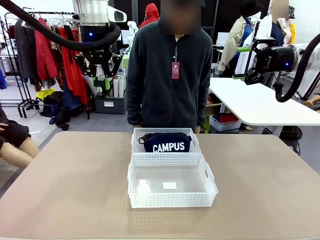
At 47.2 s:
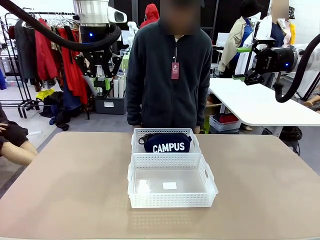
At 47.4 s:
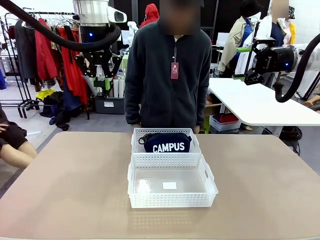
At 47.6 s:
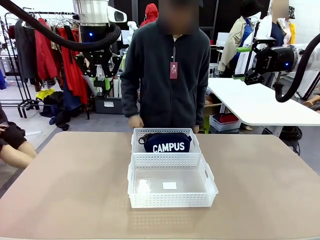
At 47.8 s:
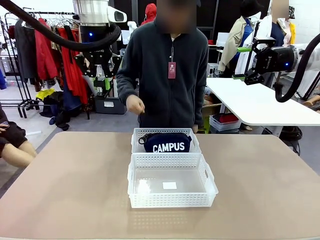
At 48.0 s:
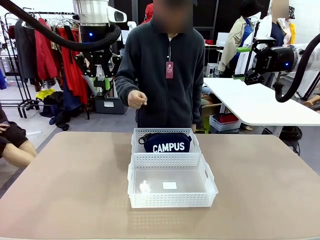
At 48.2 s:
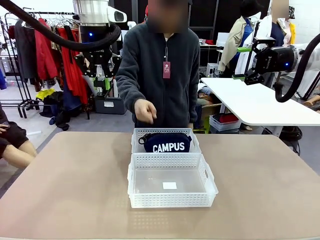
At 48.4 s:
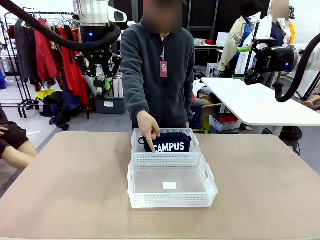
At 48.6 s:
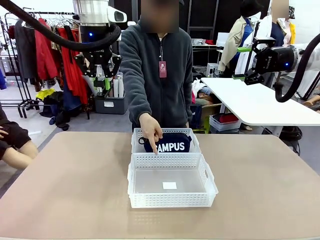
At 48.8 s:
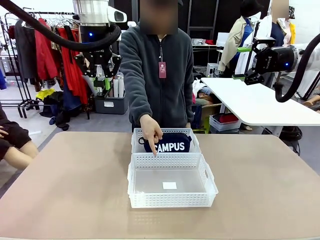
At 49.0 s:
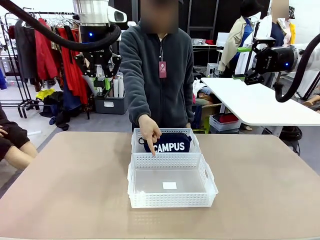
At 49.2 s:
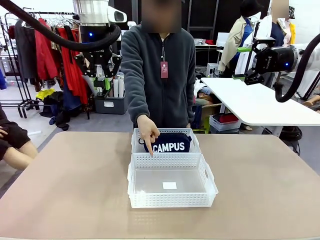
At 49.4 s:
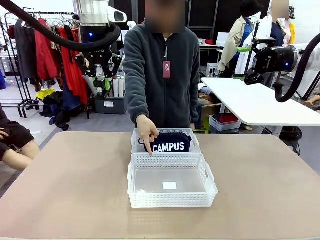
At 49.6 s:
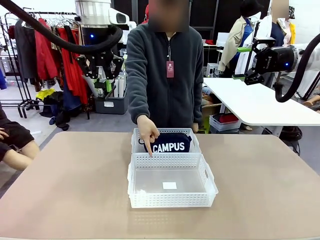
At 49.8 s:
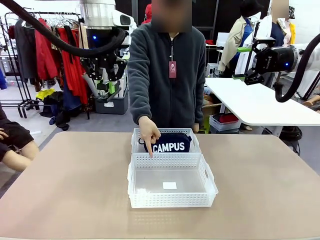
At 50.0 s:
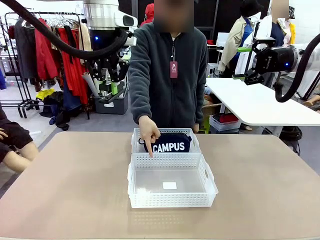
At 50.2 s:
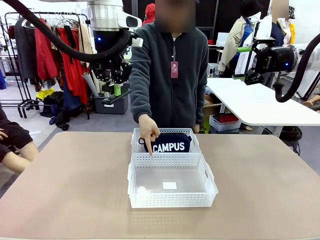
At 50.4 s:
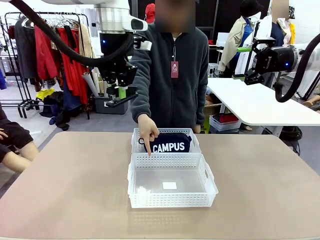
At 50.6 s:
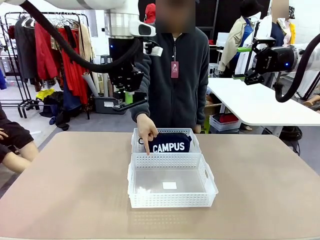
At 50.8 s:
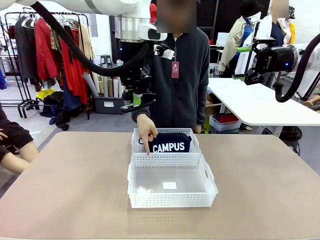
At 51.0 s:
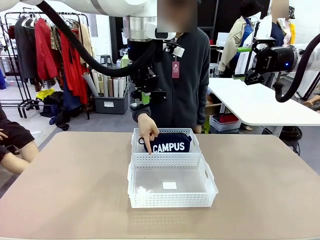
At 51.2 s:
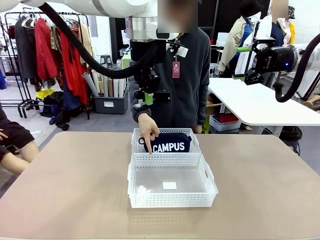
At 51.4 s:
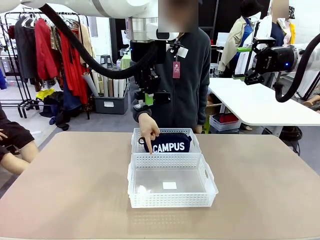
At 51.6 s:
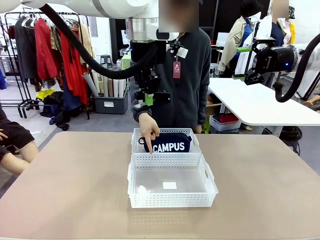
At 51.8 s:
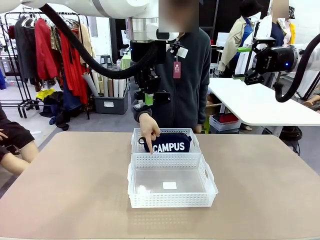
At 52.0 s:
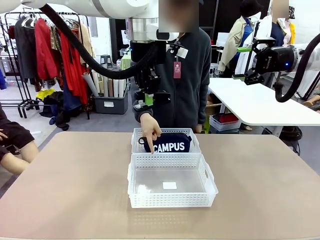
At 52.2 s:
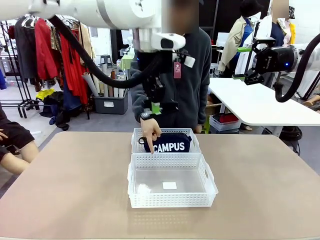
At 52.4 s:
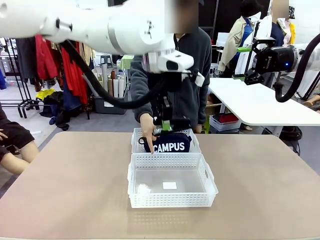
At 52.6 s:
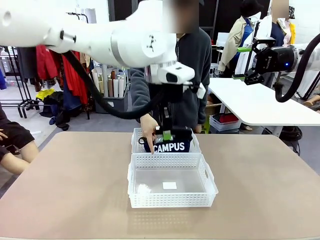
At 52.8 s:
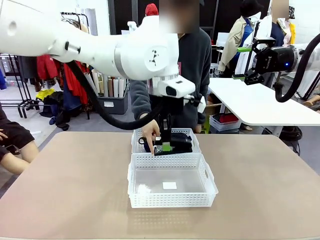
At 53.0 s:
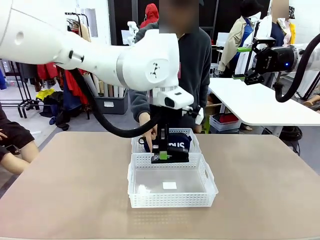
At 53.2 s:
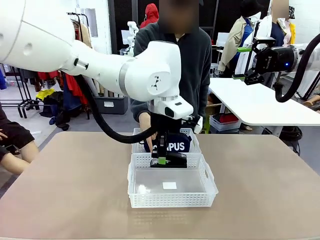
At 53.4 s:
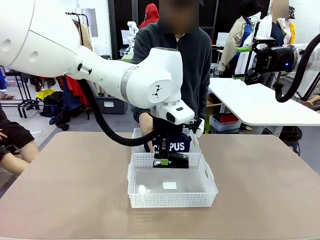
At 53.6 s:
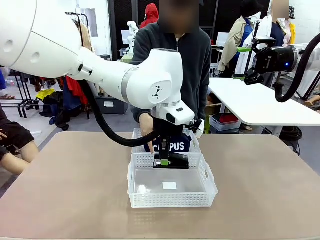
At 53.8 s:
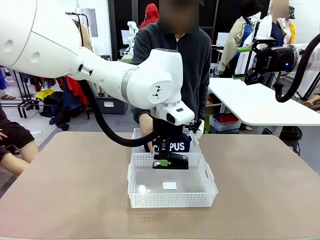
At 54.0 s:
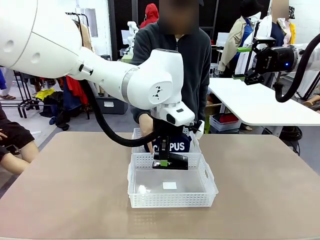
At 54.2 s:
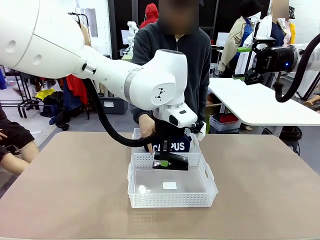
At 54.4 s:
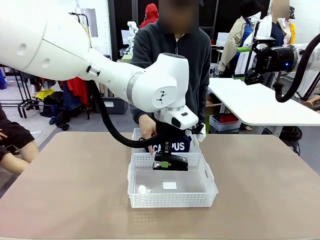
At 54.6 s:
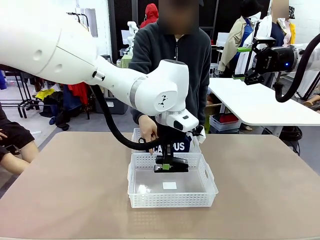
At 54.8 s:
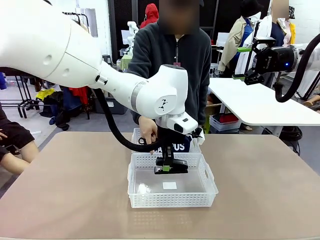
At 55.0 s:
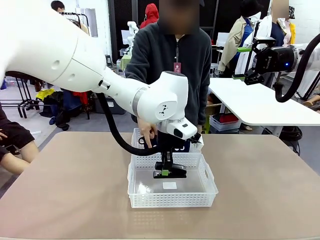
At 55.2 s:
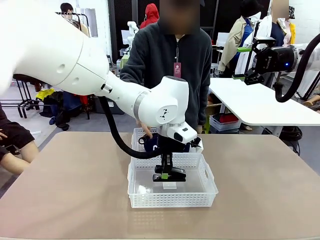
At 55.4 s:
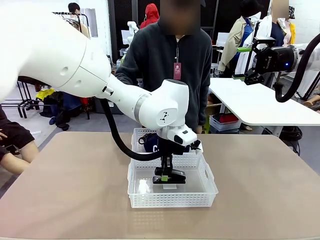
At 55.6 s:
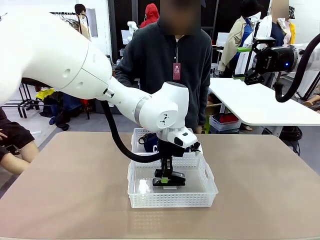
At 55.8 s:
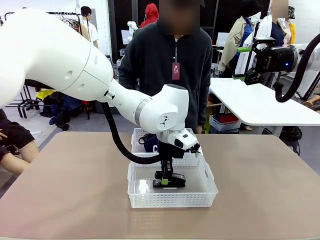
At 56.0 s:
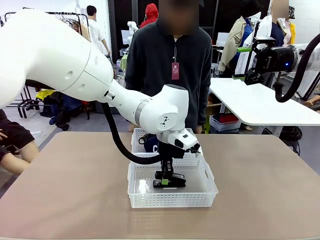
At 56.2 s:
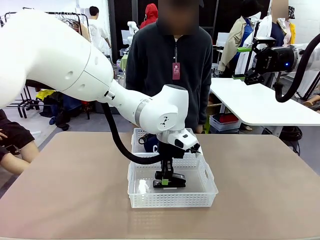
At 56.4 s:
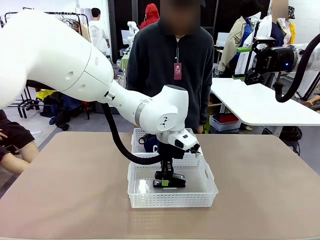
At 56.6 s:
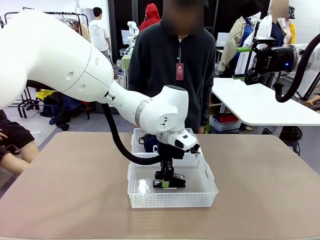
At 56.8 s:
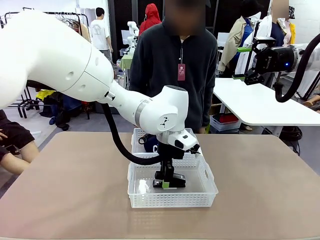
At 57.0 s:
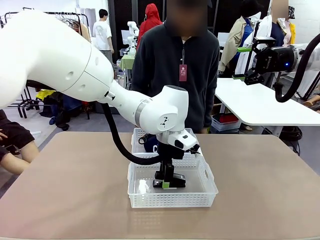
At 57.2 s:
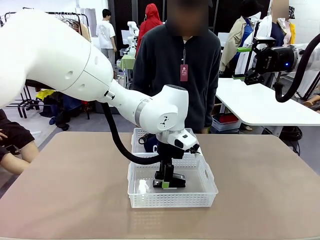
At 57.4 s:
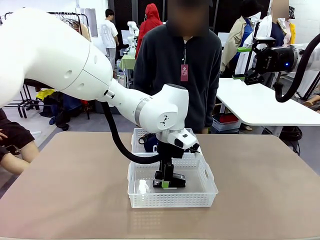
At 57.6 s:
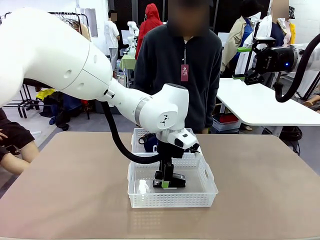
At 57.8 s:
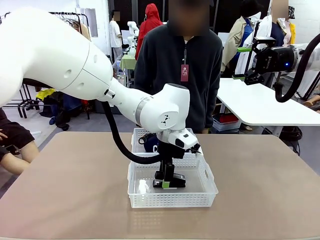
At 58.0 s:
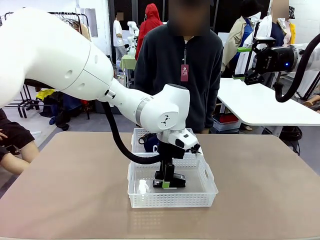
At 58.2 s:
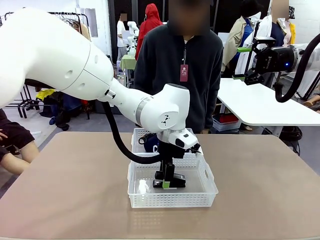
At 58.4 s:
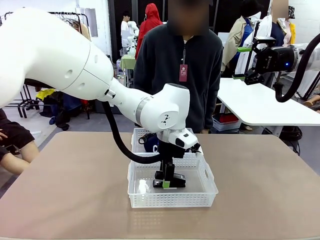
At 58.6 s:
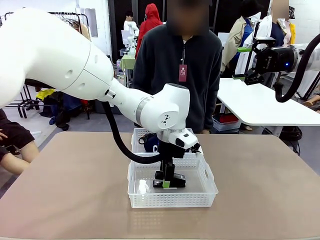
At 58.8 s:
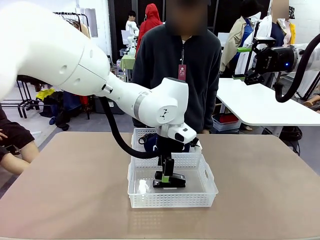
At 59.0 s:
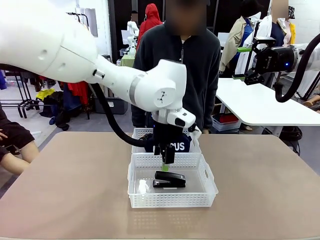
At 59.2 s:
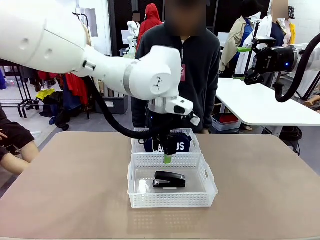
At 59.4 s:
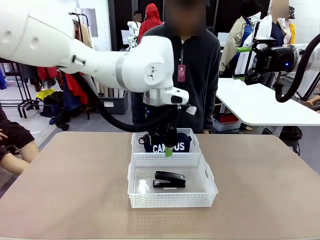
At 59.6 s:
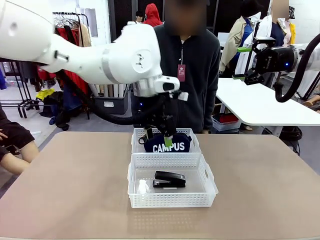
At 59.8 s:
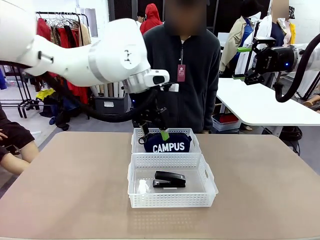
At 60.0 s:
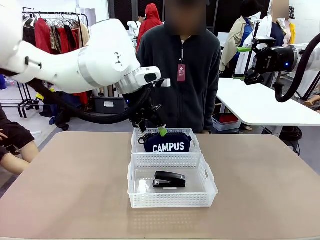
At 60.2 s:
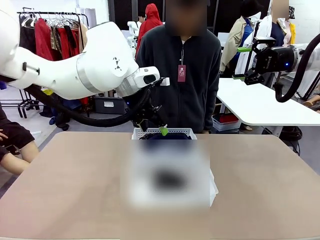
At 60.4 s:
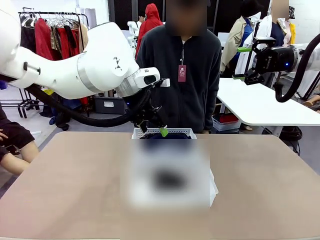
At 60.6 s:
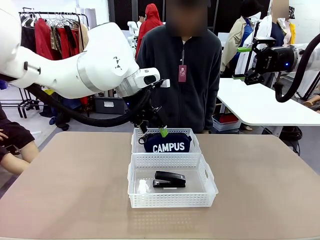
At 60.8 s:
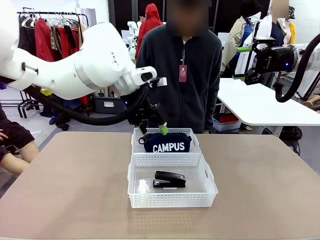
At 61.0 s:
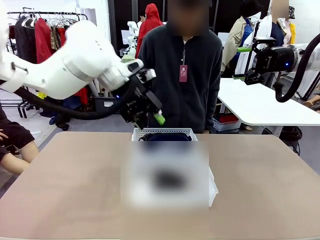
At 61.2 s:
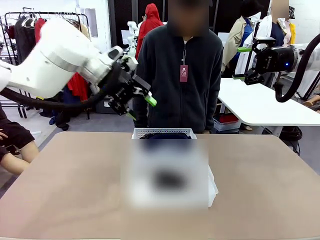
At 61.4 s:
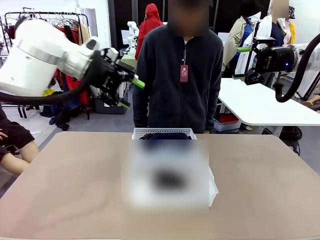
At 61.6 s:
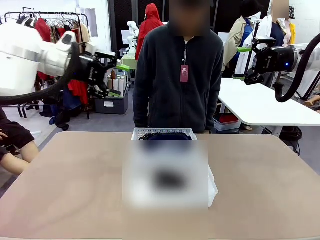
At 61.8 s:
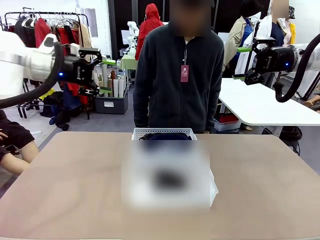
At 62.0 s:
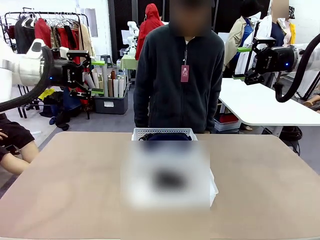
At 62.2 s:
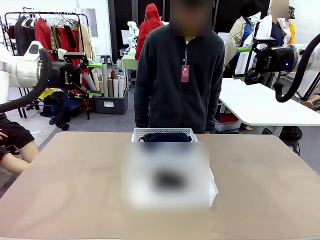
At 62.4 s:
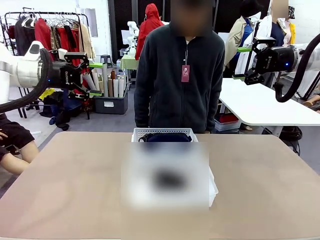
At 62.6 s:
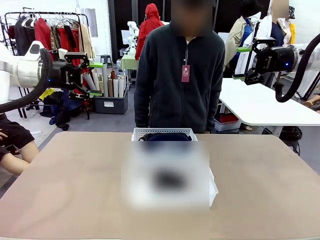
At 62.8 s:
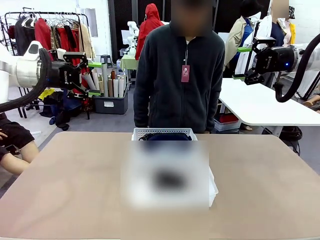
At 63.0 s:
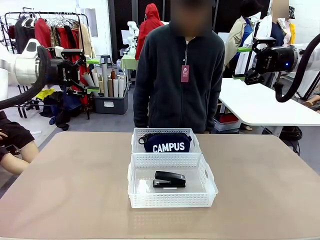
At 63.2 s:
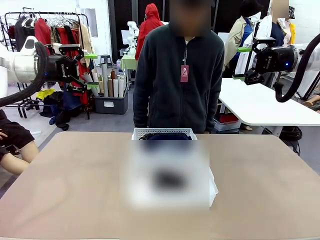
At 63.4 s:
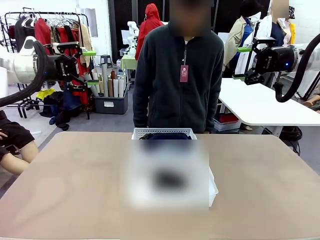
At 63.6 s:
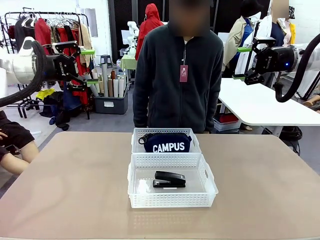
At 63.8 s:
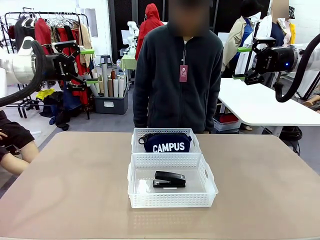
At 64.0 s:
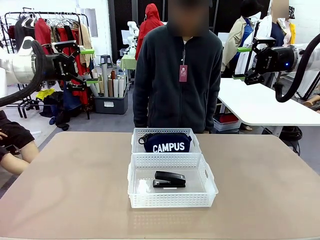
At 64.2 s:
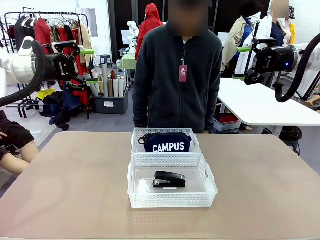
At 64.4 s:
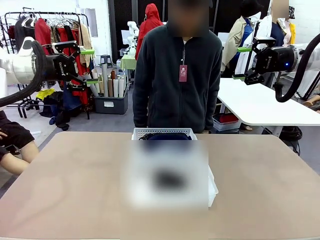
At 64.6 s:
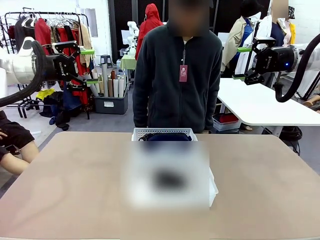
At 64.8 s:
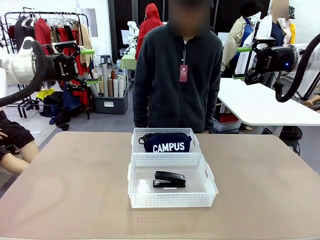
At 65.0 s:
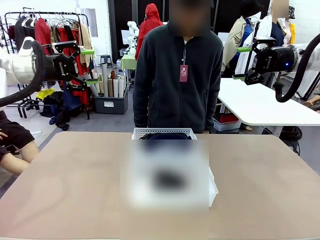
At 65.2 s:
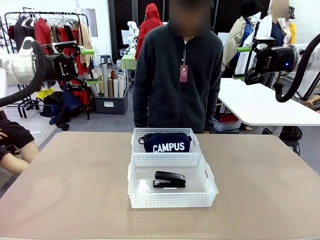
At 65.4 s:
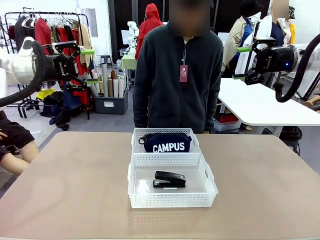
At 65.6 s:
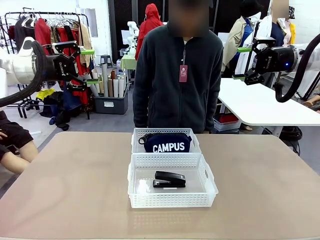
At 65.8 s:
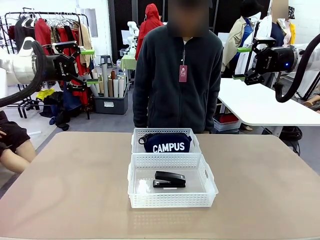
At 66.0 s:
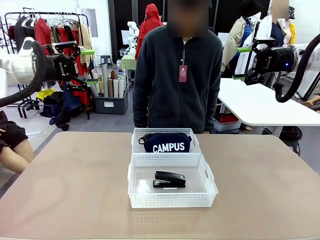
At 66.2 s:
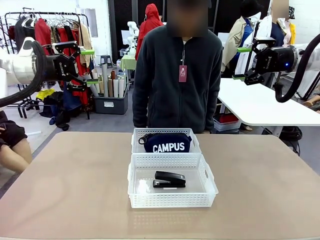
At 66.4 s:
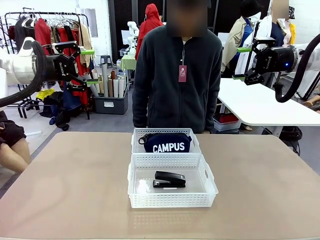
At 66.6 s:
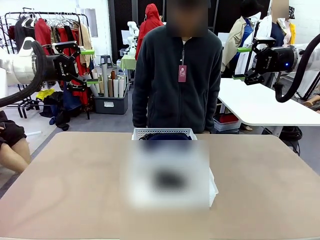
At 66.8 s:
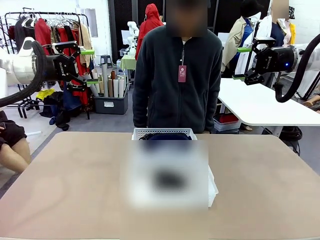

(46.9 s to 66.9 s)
Task: Distribute items into two baskets.
Robot: Place the picked Stapler into the Organizing basket as instructed by the person.
Person: Points to the basket that does not contain the pencil case and instructs the robot to move the stapler there.
